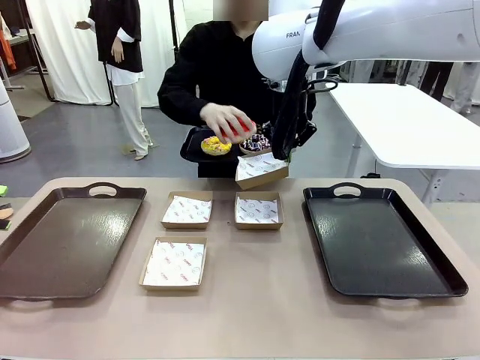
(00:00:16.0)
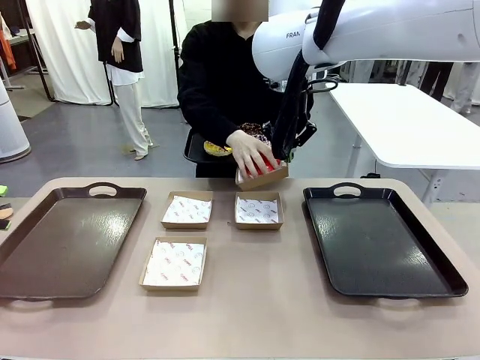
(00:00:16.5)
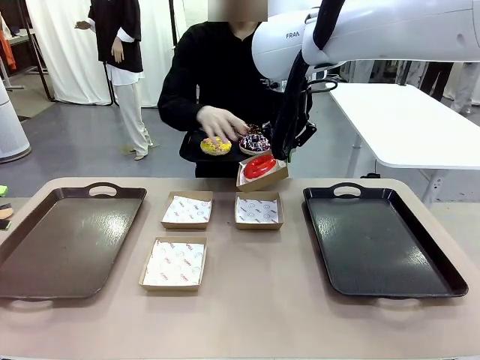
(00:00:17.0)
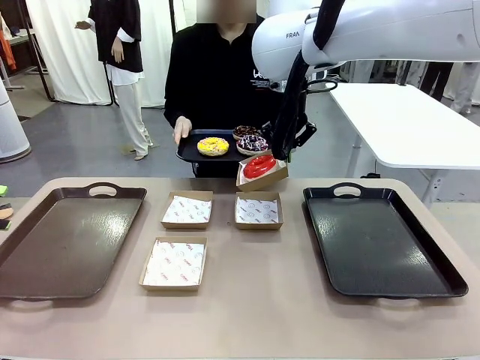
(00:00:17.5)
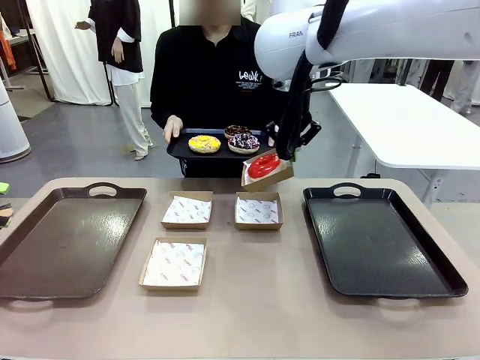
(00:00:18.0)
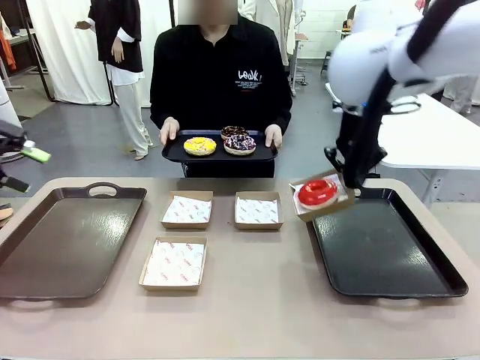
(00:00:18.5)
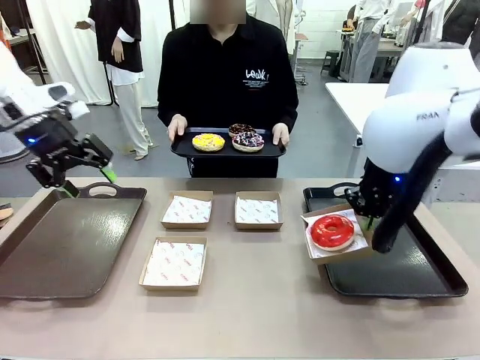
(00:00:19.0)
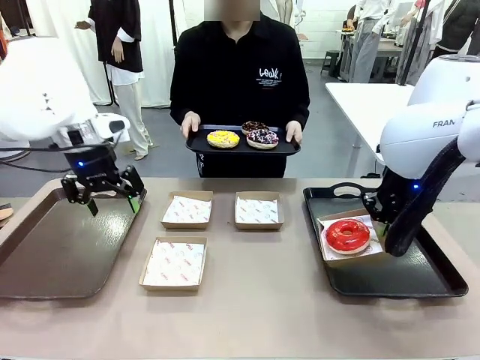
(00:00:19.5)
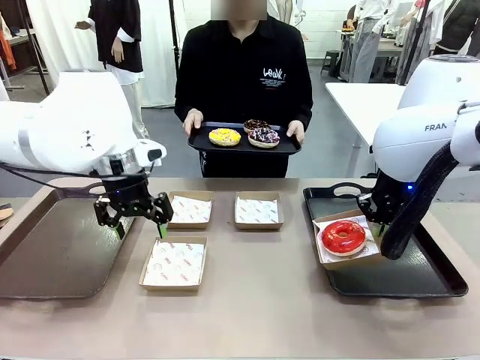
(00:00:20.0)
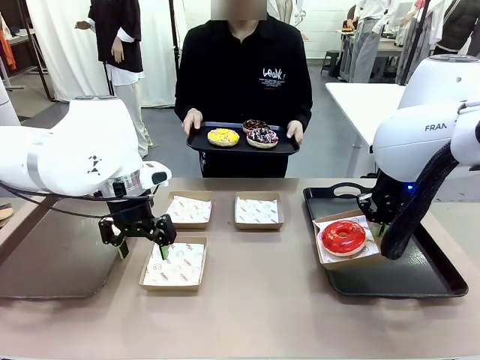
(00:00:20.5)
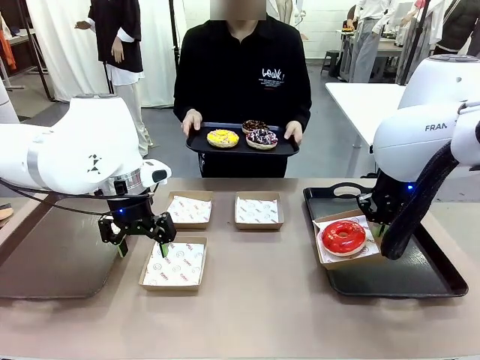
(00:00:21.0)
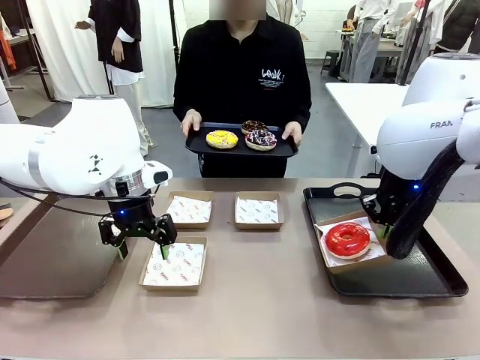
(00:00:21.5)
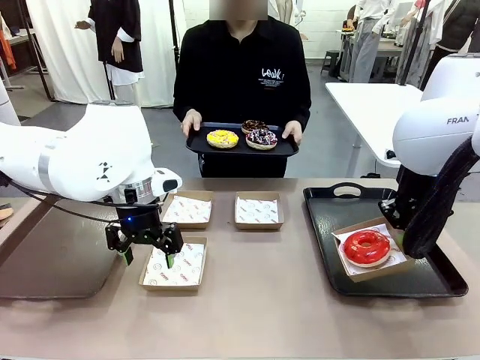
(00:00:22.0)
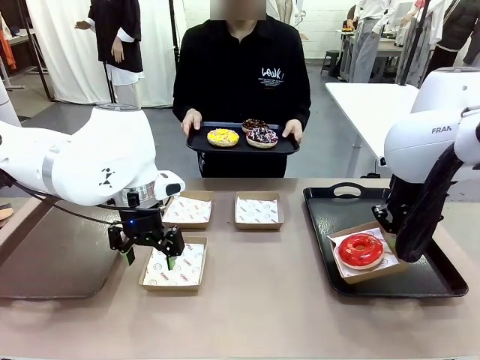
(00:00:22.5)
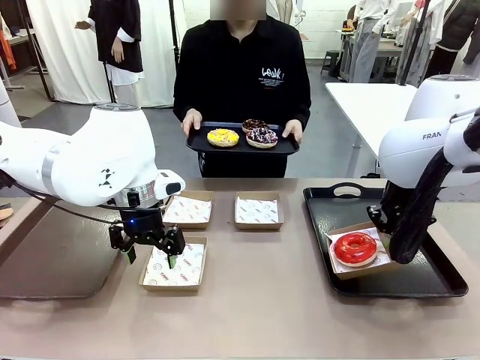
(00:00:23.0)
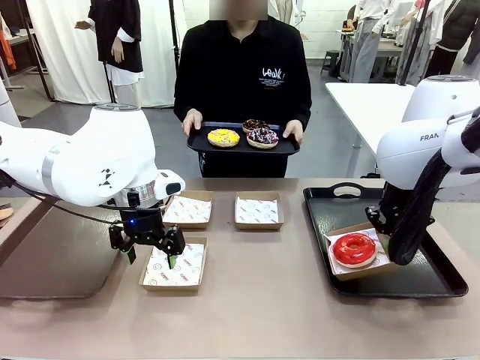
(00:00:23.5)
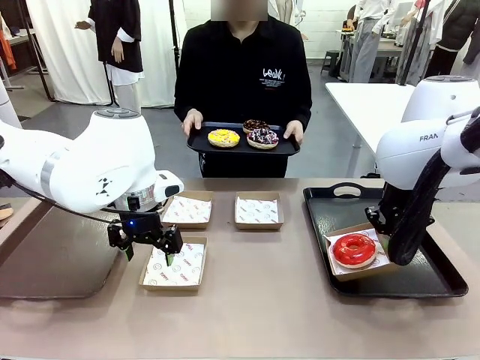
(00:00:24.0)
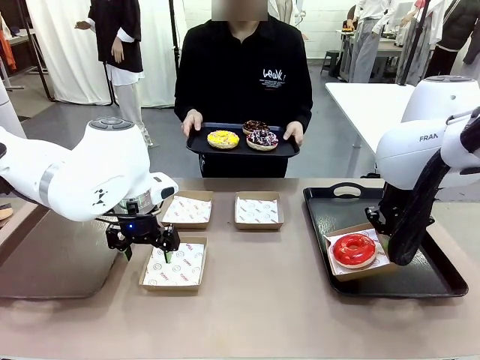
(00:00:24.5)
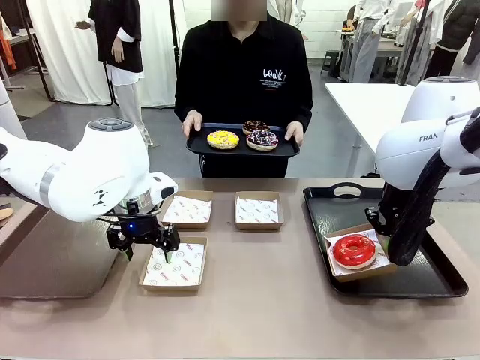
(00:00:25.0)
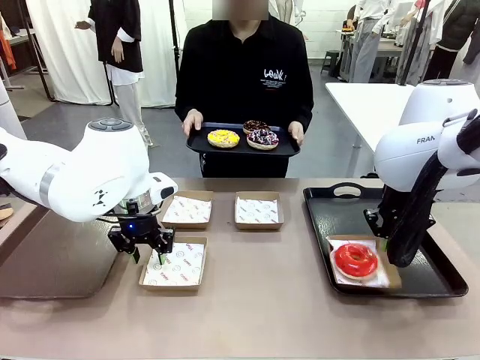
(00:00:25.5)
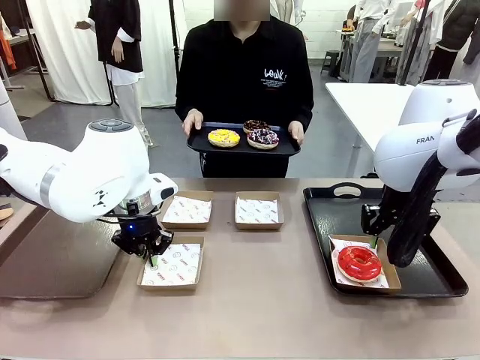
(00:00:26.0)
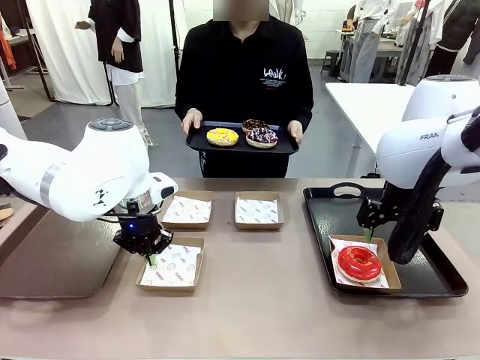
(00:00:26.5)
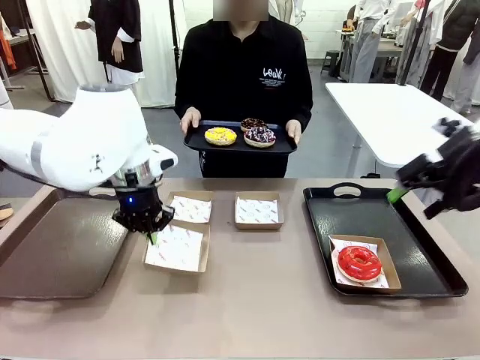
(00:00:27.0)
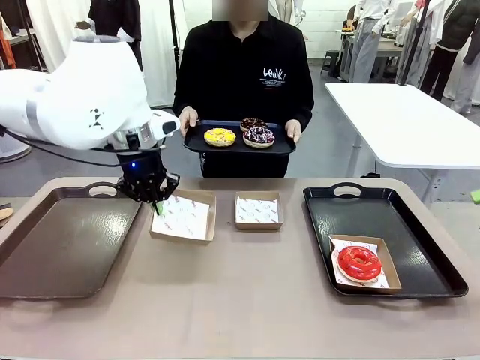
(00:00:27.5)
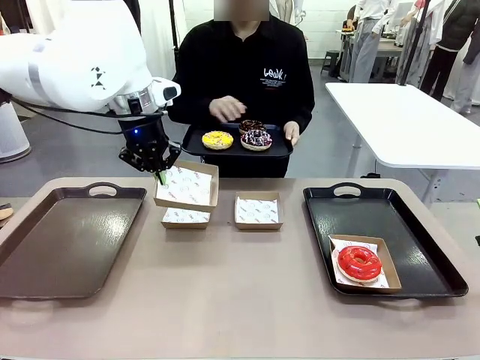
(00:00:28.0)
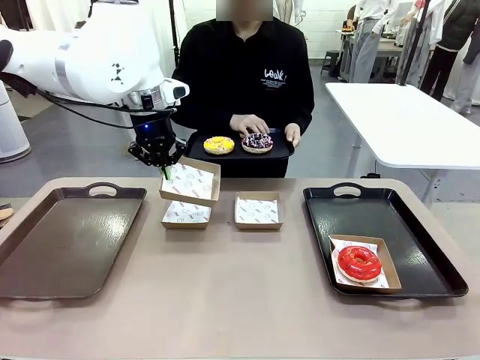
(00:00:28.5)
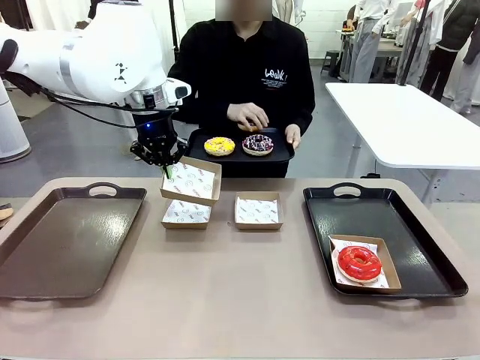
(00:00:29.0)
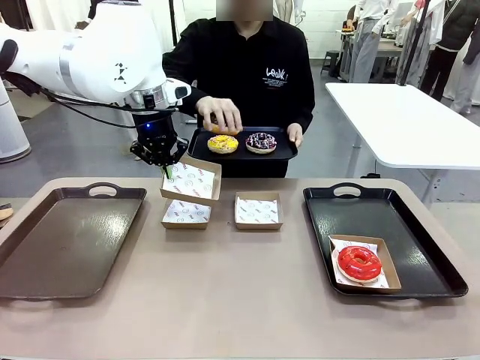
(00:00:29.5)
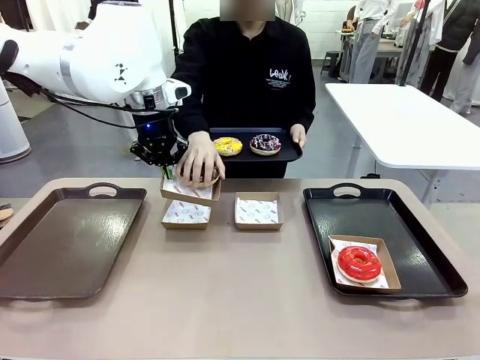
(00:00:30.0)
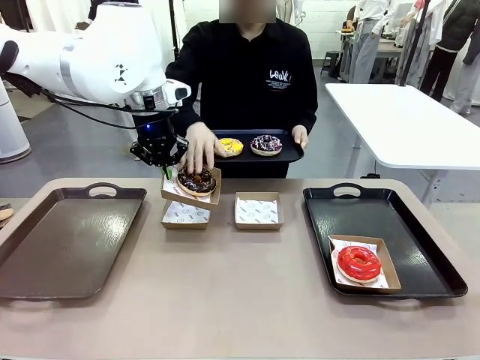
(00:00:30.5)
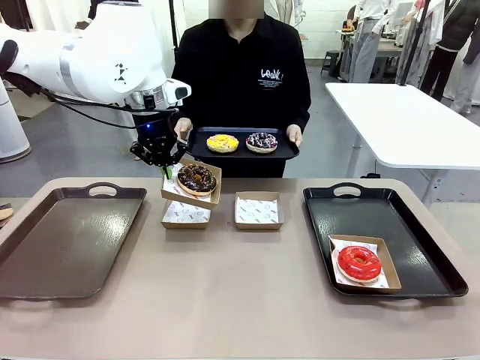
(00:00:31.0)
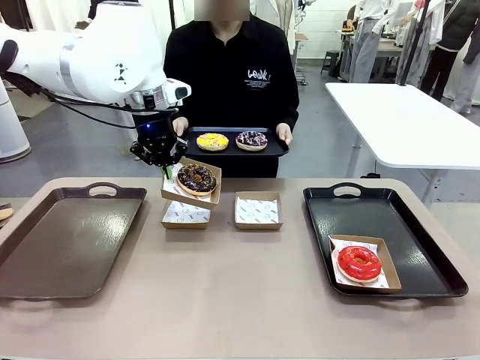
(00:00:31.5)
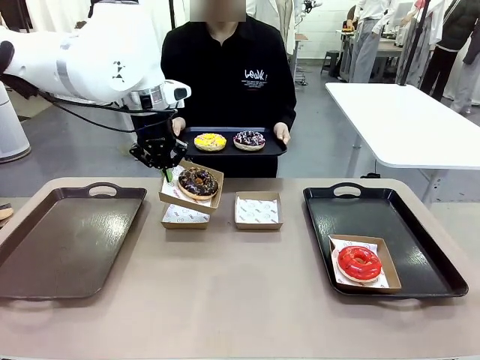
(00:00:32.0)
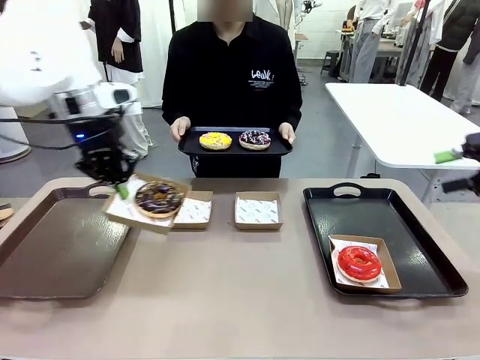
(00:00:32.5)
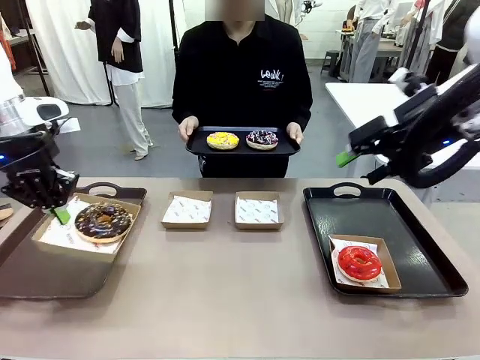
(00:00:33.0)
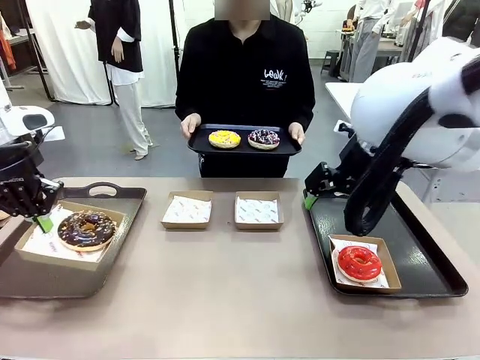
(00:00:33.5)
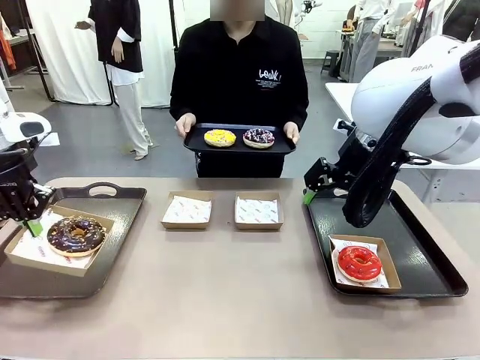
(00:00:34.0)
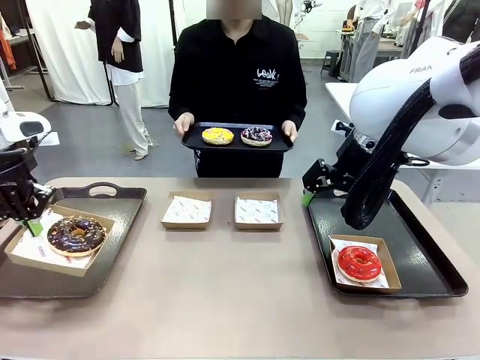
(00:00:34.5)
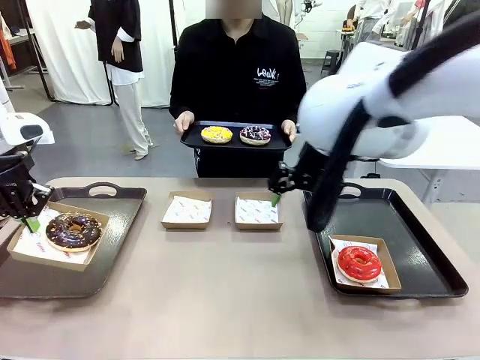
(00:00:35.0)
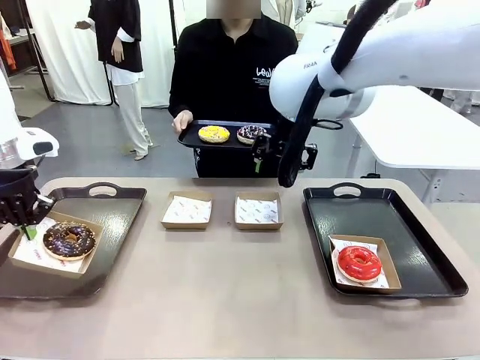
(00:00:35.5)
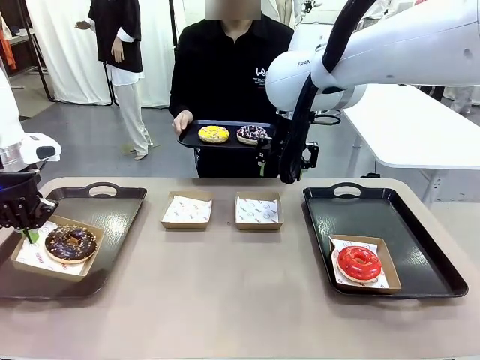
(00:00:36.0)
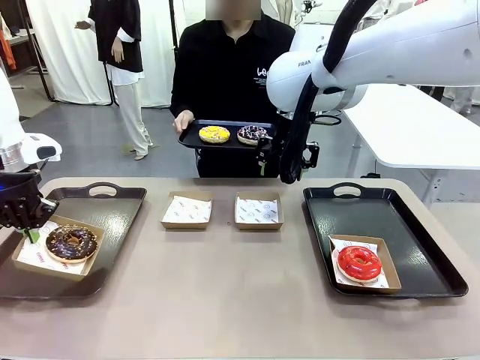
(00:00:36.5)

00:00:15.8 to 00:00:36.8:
Task: Individually package the donuts and arrange them on the tray.
Robot: Place the picked Paper togo box on the Handle tray while simultaneously picking up another Paper togo box from the table with the other hand.
